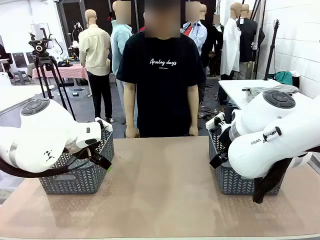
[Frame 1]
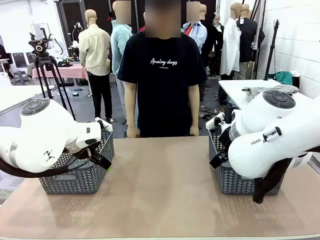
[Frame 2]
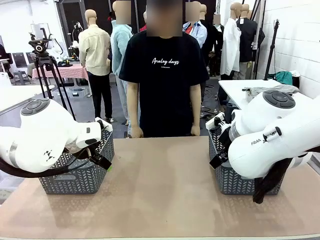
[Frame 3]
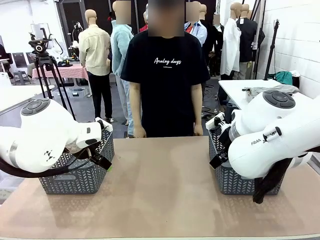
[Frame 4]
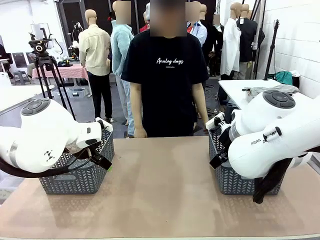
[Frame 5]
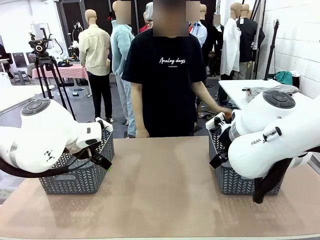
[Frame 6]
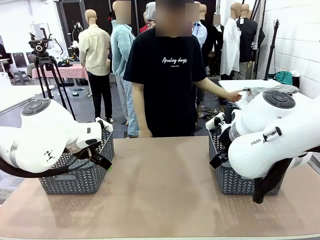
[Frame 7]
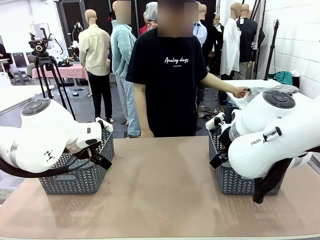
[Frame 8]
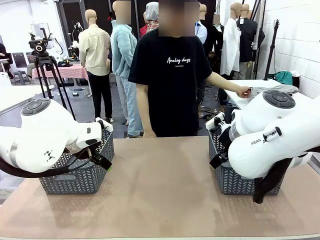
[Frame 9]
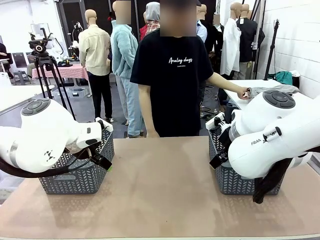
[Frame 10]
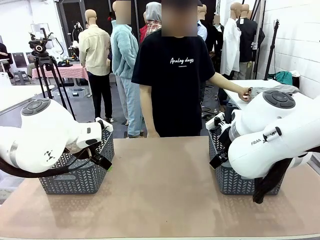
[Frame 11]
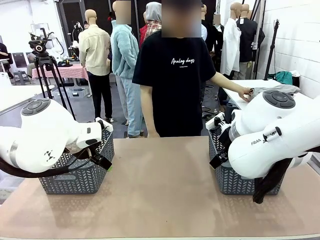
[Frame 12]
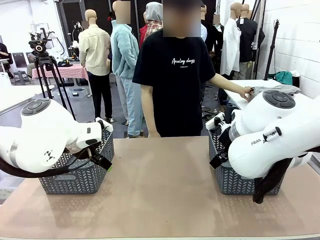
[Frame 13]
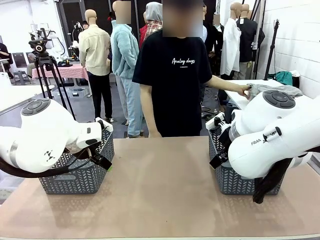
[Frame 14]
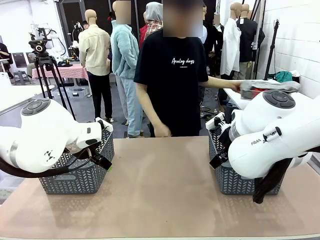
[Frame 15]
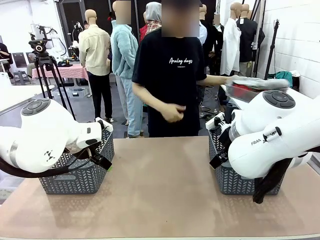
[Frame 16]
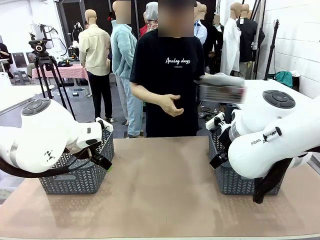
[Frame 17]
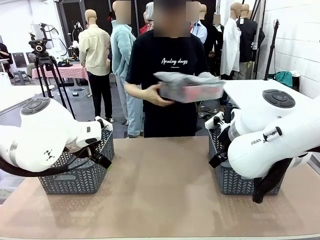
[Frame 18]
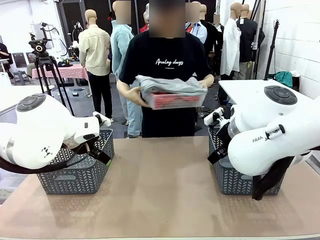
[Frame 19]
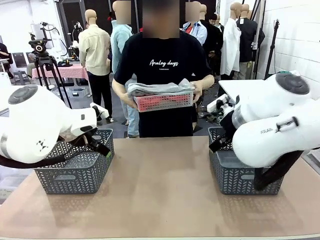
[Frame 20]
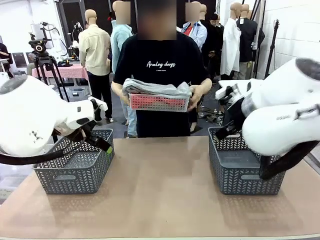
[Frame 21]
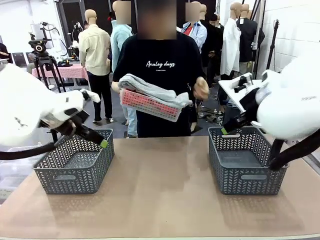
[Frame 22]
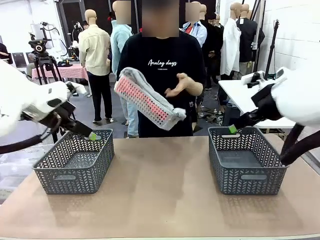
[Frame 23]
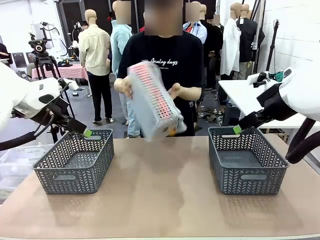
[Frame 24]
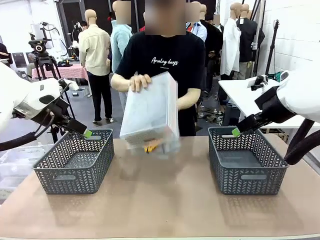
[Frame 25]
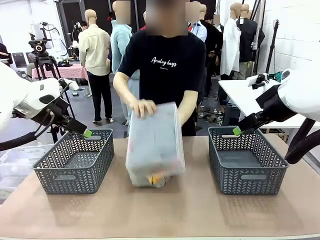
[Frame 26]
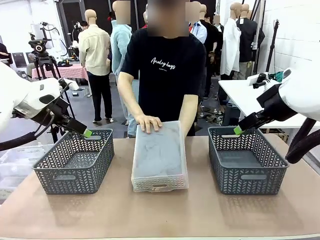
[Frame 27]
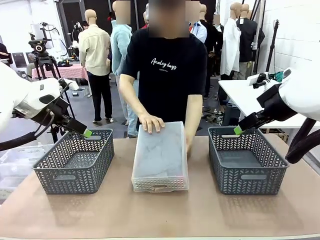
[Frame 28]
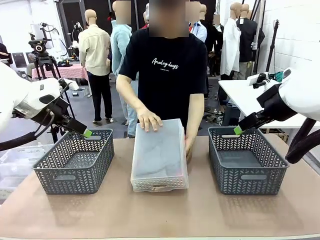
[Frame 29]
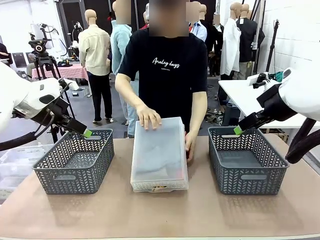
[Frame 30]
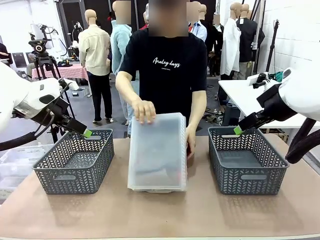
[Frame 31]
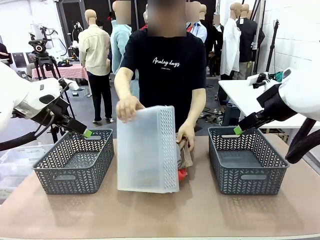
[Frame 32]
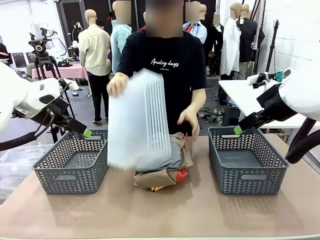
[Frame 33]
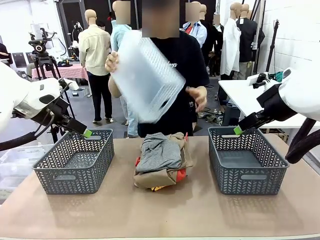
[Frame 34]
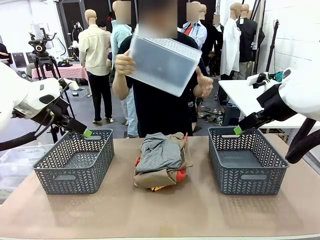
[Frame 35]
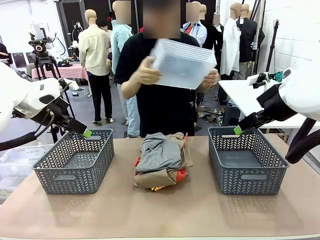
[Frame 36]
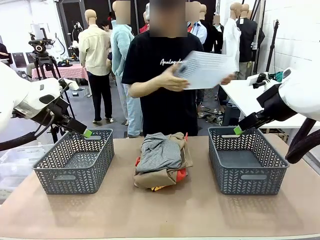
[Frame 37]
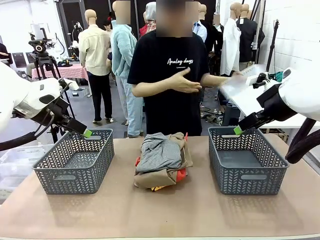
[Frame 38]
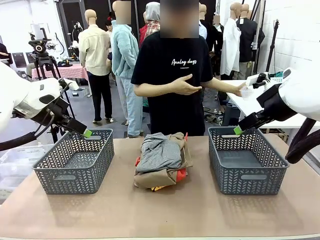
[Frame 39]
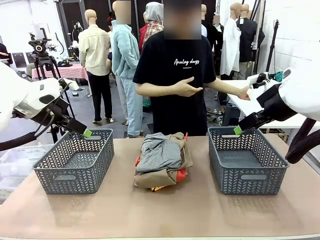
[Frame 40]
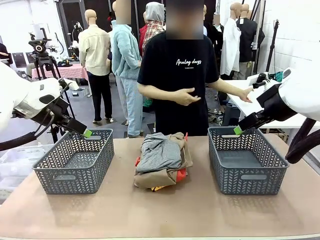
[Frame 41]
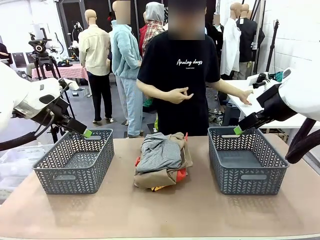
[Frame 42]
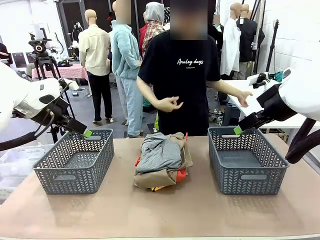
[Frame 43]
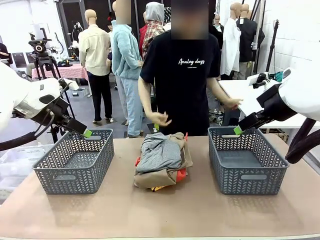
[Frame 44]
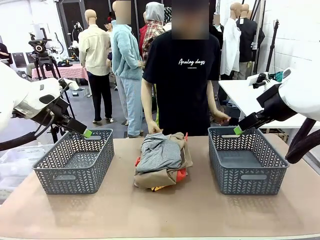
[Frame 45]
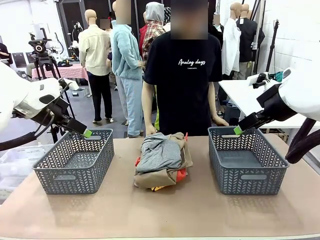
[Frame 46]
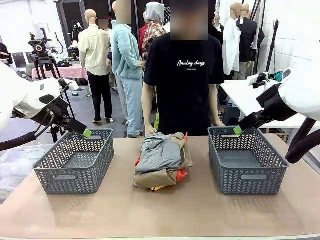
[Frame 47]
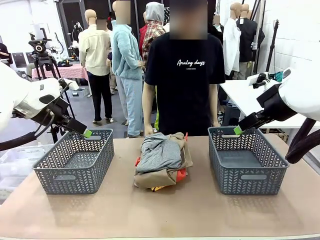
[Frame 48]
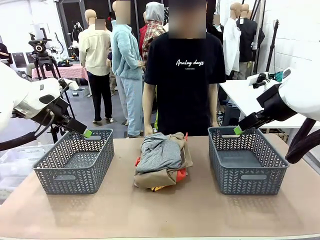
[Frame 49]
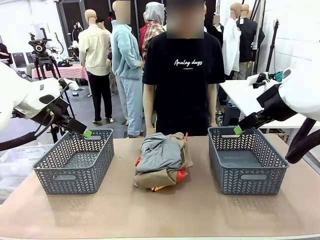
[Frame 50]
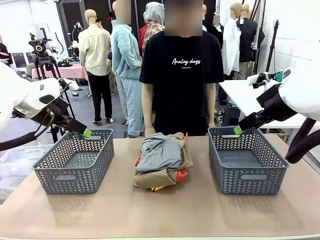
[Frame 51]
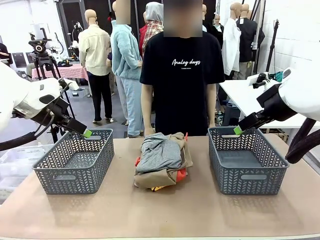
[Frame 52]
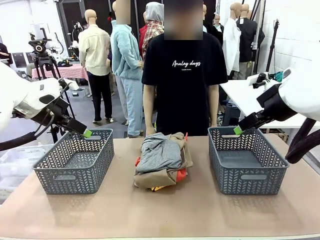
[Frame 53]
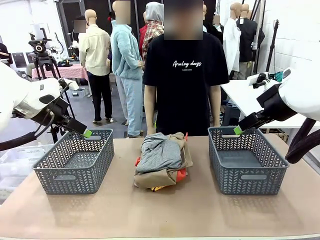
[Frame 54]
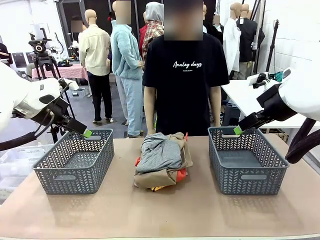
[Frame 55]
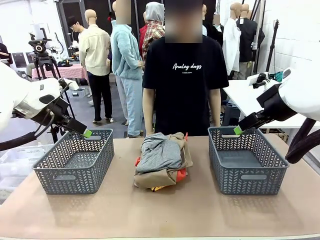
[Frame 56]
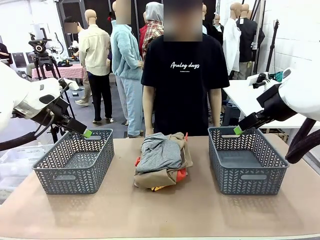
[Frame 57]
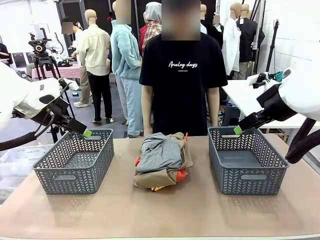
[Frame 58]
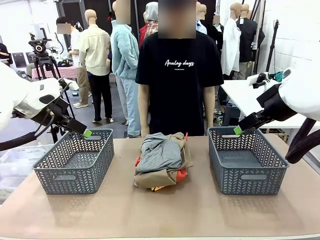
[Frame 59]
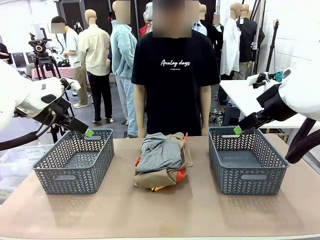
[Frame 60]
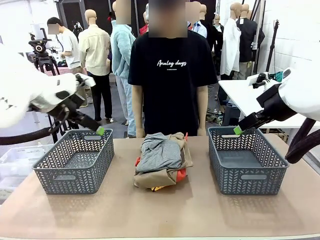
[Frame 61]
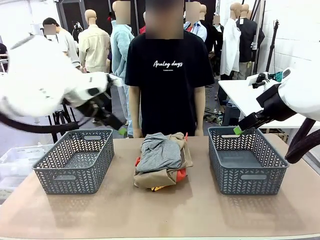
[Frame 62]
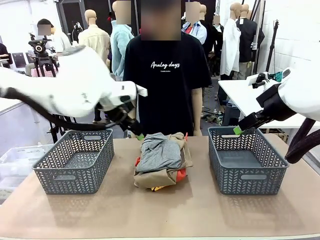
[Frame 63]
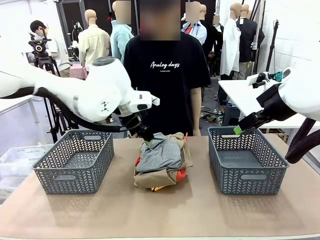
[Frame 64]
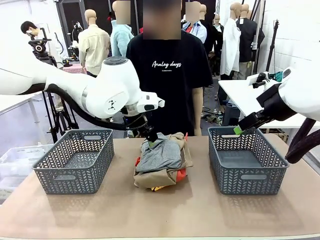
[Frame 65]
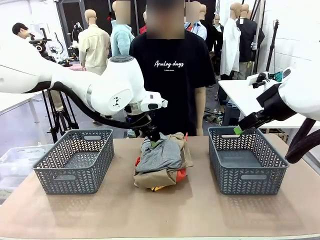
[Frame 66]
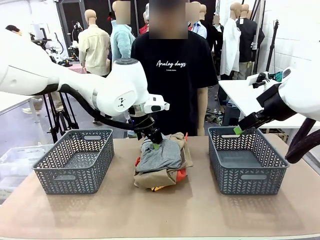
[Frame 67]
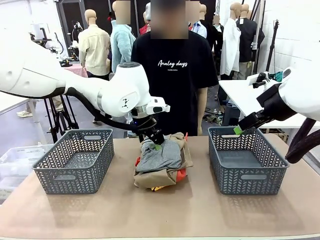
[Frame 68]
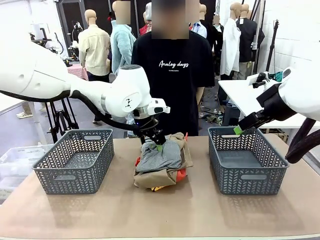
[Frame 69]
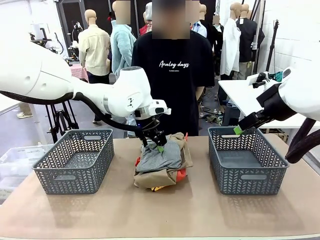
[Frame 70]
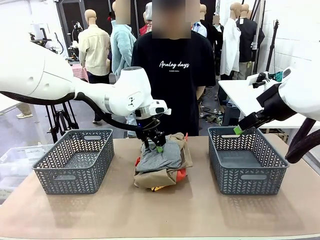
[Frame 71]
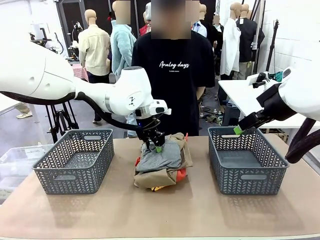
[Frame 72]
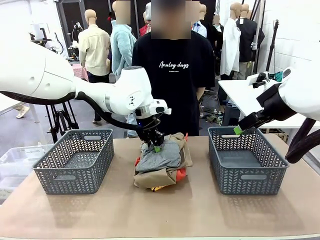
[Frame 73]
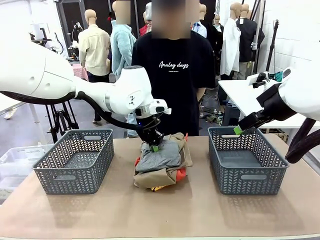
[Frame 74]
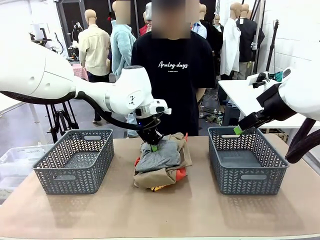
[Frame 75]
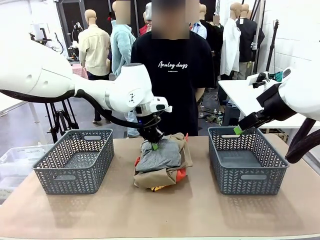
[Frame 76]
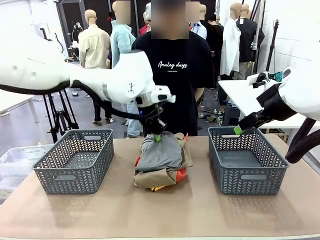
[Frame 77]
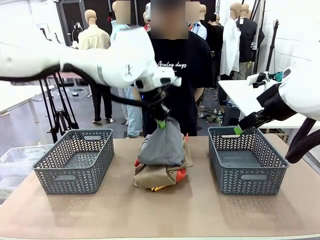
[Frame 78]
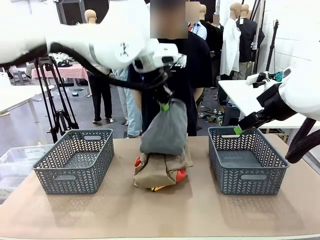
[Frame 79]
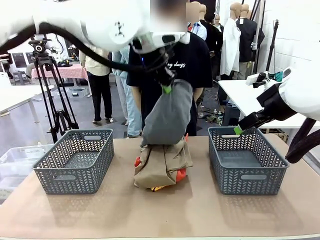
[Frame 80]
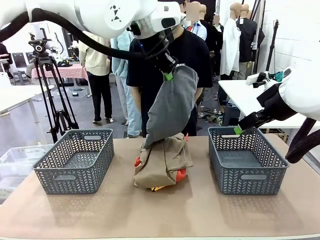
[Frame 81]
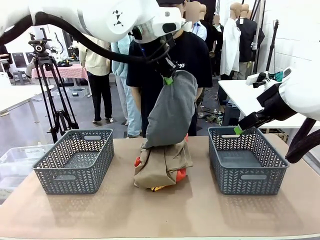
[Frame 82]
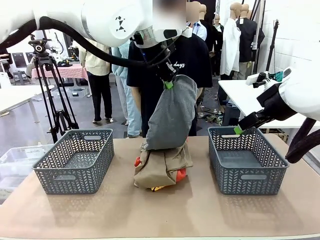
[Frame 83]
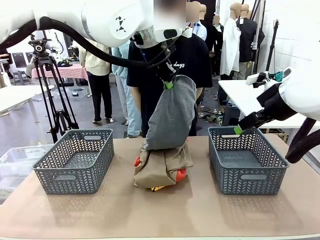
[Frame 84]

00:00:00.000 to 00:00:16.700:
Task: Sort the tops and bottoms.
Robot: Lift clothes from the center of the table with your left hand.
Person: Pour the clothes from the basket onto the center of the robot table.

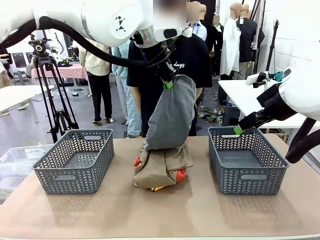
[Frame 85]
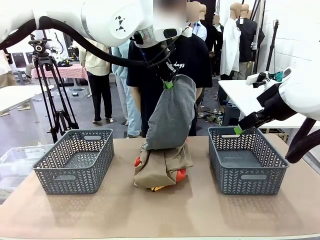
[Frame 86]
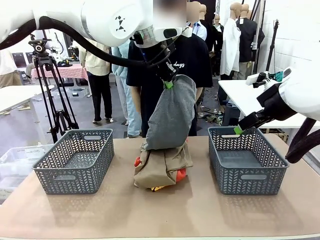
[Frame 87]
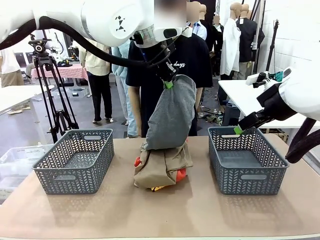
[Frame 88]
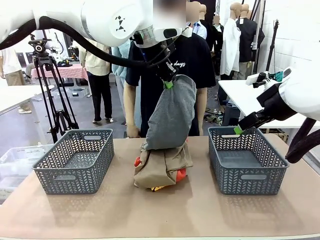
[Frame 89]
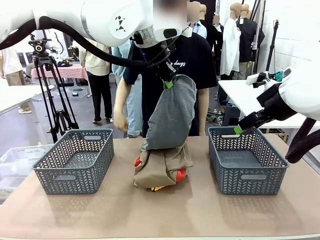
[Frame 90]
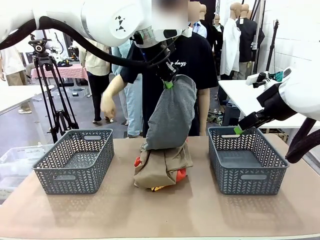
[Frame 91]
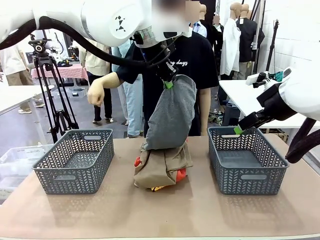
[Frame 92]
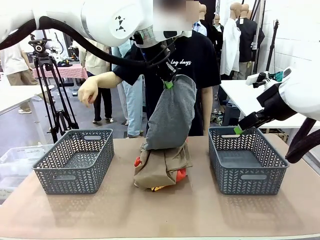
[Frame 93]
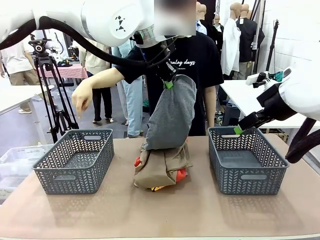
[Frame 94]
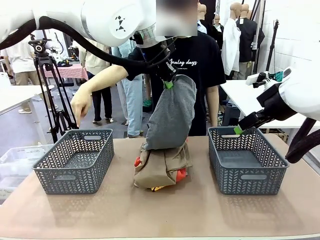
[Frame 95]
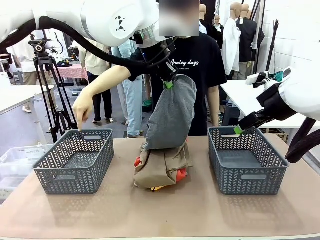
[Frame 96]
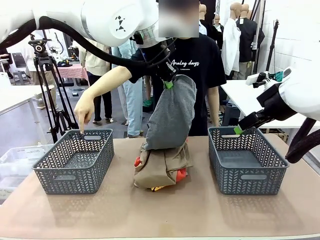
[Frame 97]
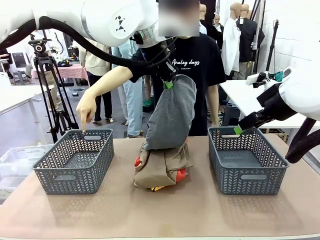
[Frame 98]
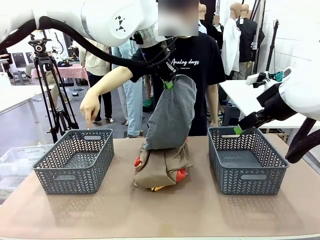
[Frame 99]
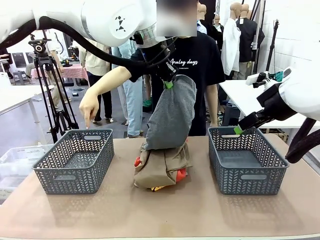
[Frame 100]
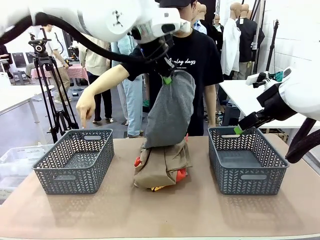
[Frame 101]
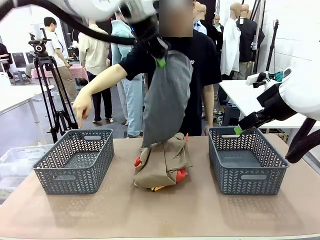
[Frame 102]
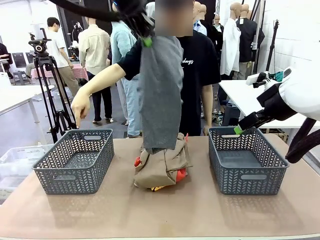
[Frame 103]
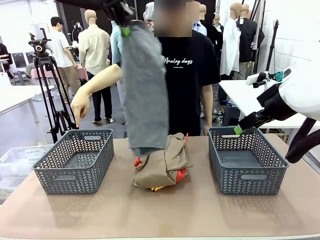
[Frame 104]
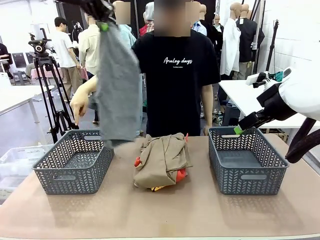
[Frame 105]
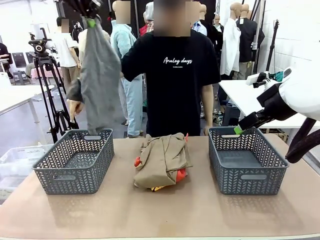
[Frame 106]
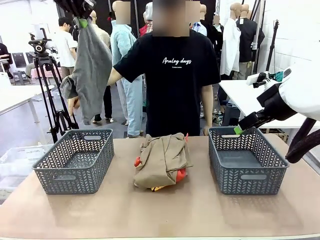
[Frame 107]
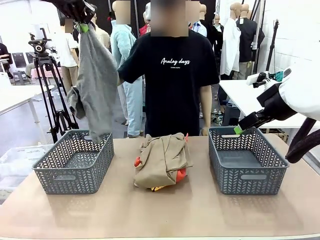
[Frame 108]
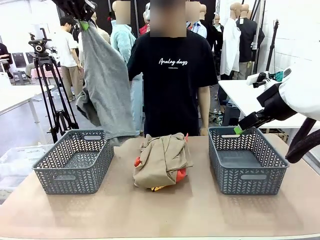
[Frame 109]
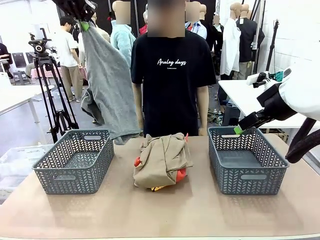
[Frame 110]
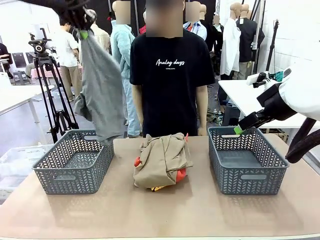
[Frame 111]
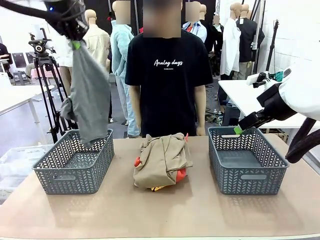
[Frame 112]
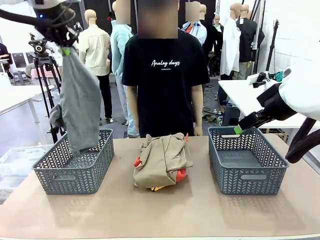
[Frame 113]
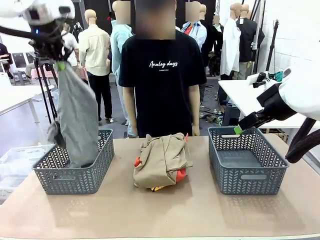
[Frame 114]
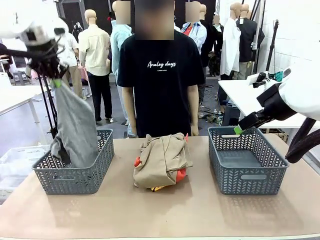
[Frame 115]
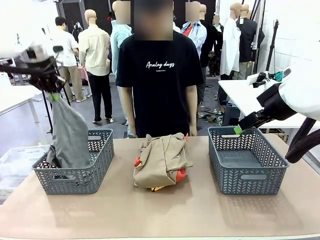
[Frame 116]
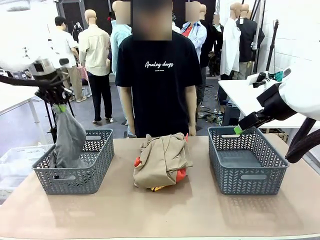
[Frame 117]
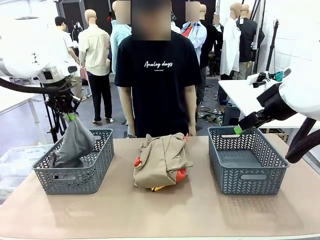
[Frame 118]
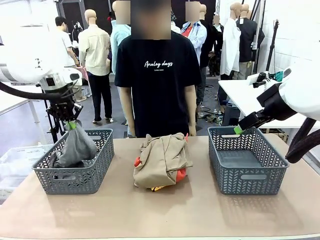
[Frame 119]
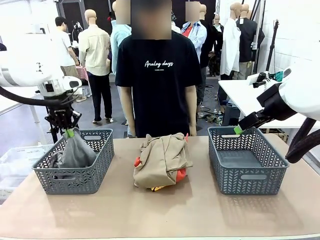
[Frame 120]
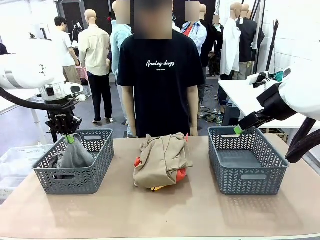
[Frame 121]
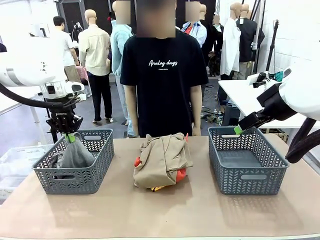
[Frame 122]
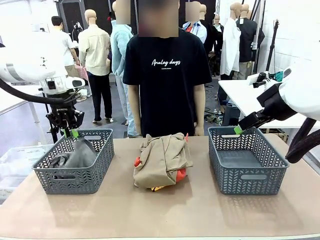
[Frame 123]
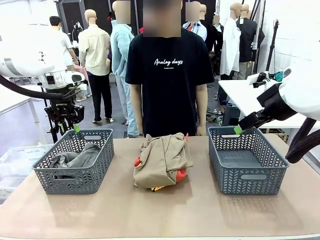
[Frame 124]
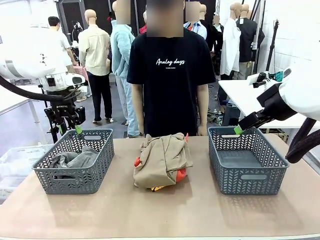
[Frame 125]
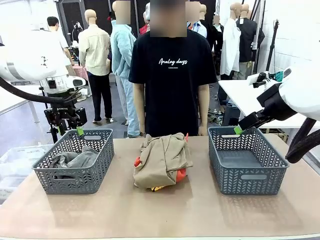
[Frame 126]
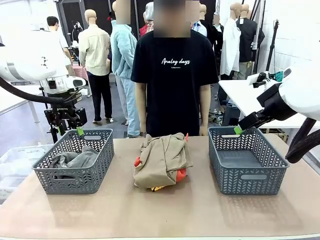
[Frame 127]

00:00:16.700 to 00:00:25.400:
Robot: Sort the clothes according to human instructions.
